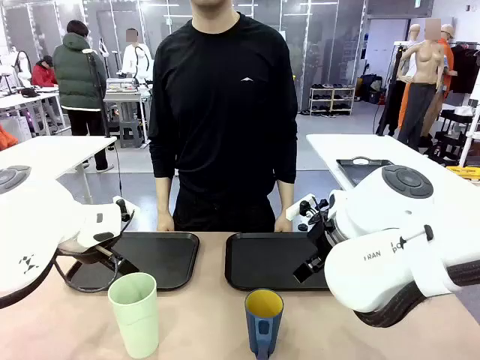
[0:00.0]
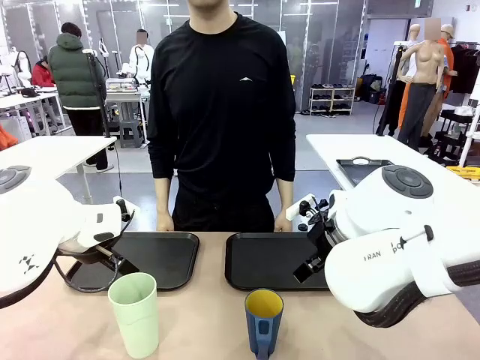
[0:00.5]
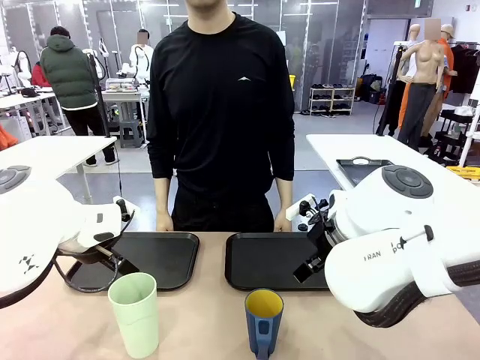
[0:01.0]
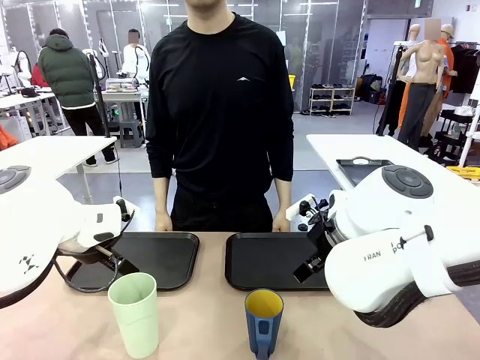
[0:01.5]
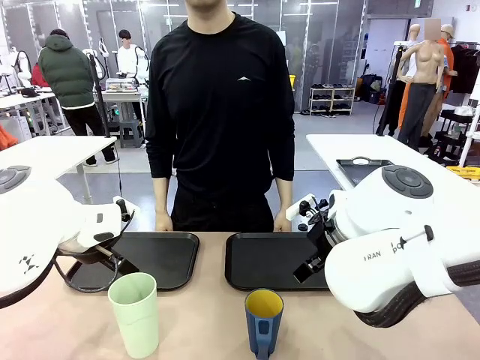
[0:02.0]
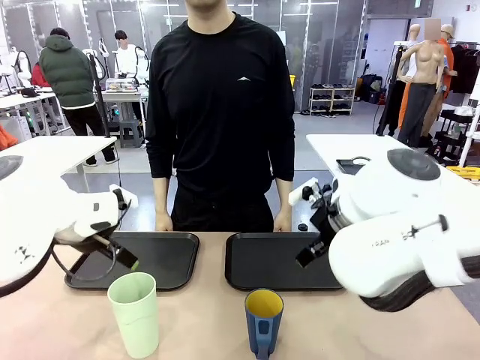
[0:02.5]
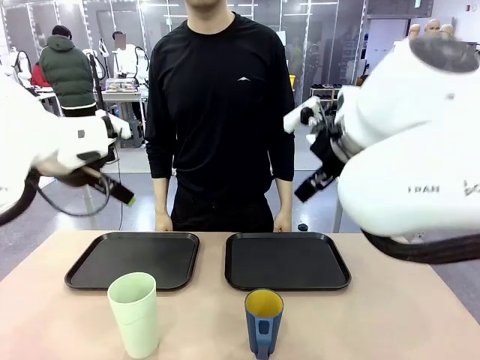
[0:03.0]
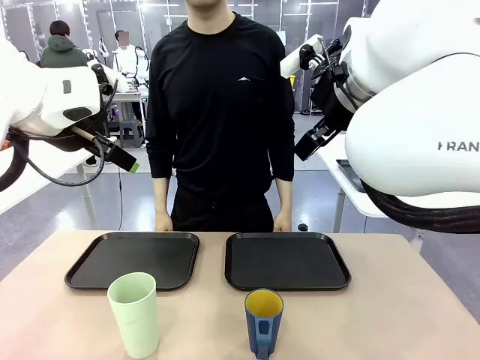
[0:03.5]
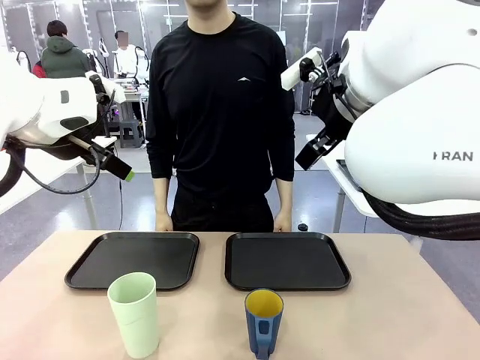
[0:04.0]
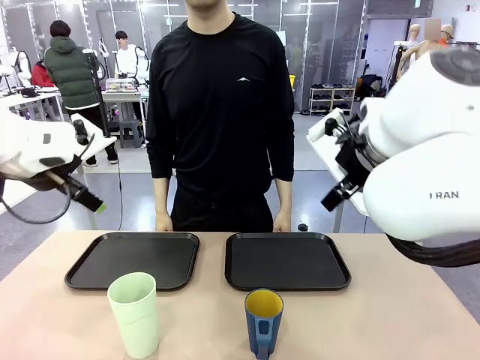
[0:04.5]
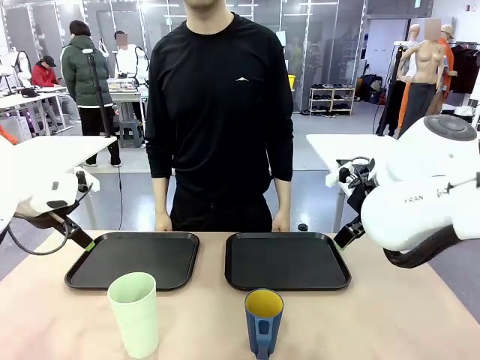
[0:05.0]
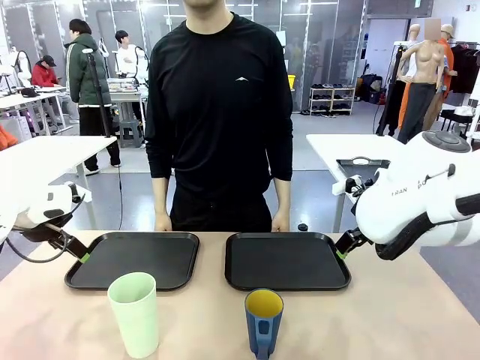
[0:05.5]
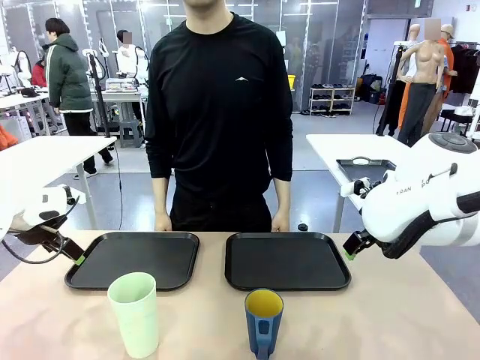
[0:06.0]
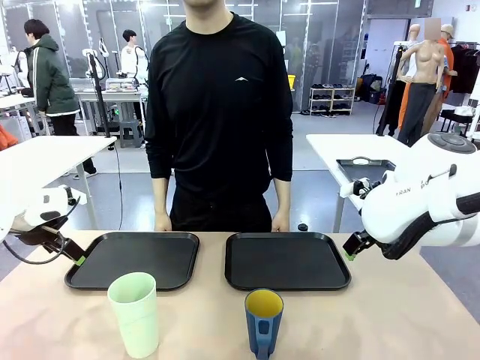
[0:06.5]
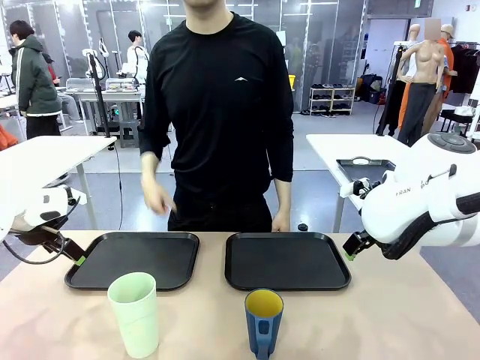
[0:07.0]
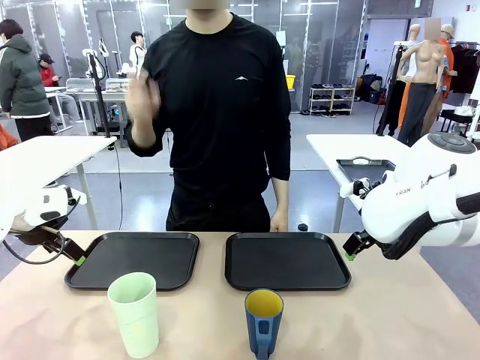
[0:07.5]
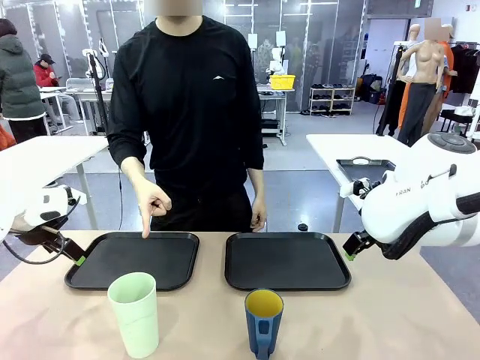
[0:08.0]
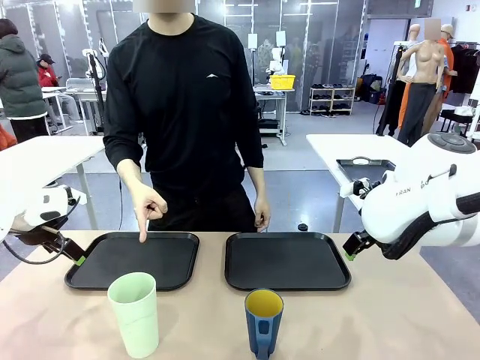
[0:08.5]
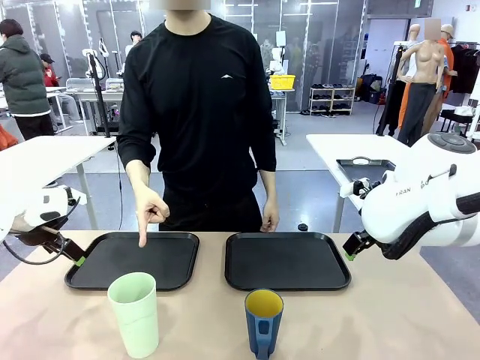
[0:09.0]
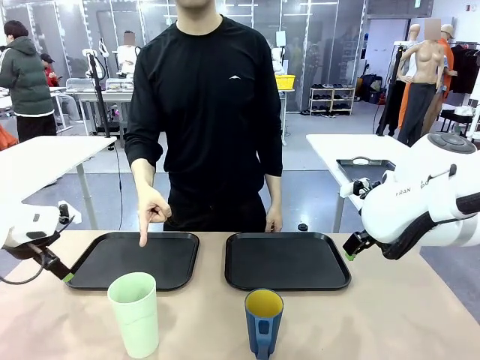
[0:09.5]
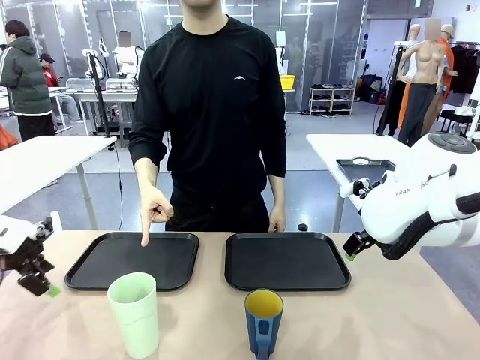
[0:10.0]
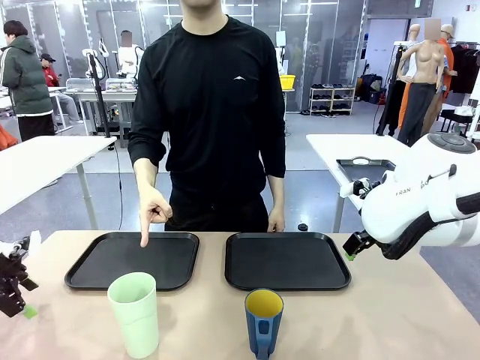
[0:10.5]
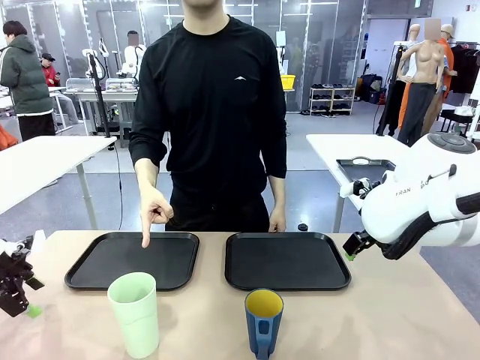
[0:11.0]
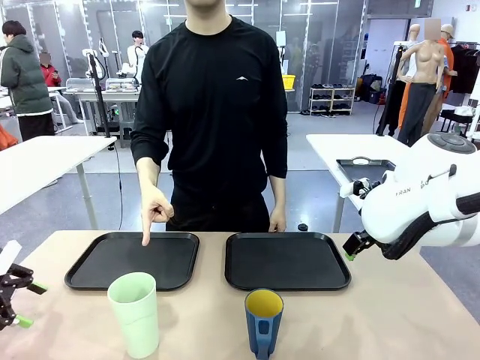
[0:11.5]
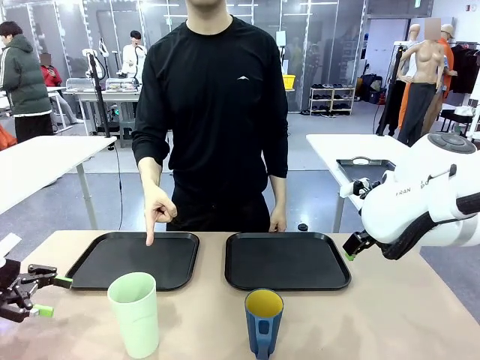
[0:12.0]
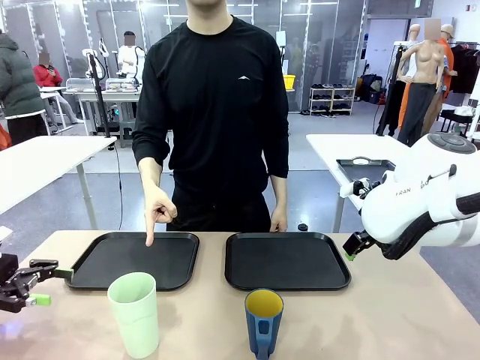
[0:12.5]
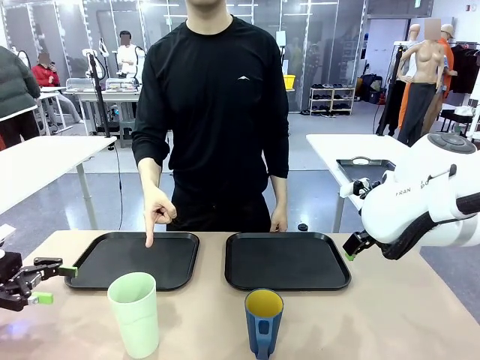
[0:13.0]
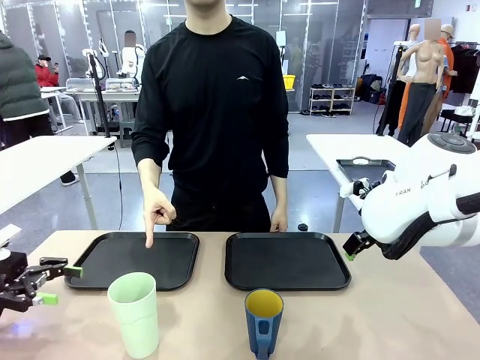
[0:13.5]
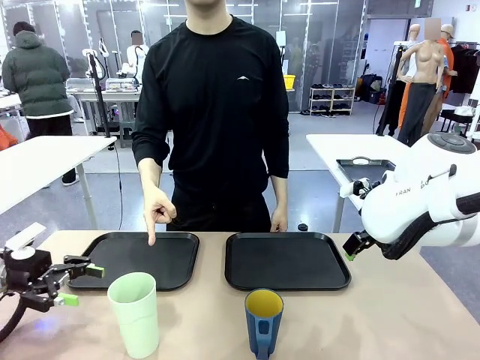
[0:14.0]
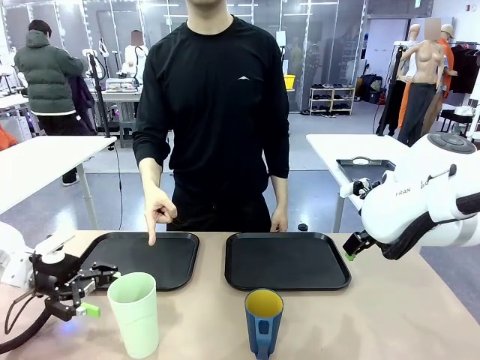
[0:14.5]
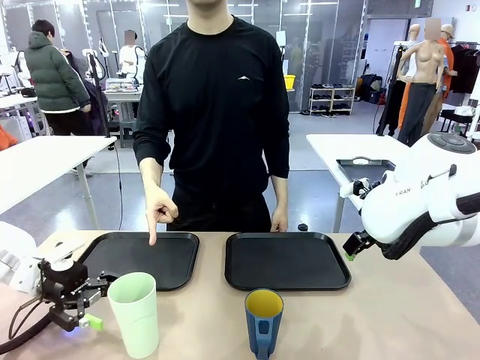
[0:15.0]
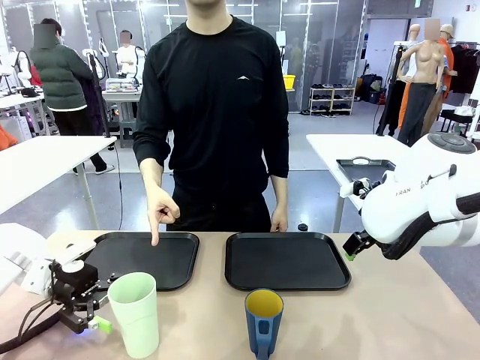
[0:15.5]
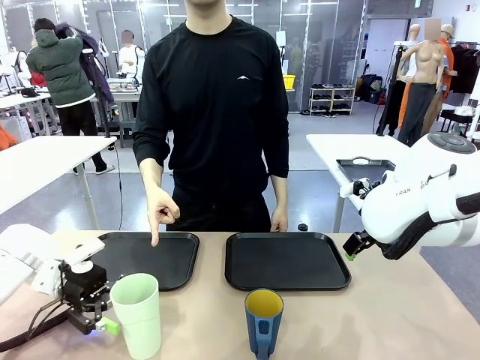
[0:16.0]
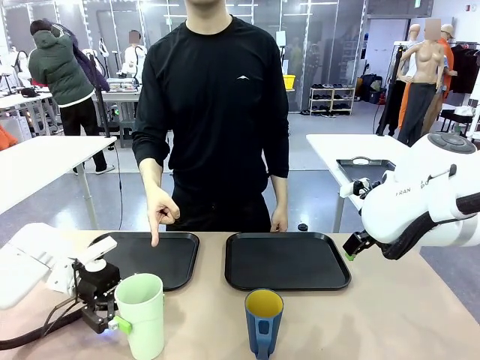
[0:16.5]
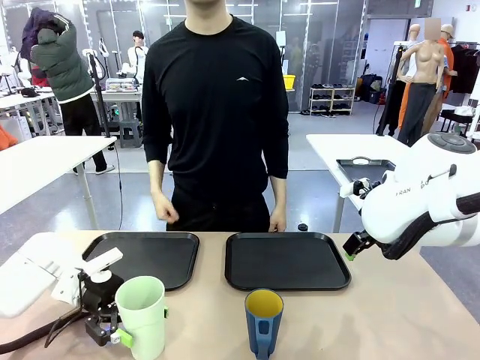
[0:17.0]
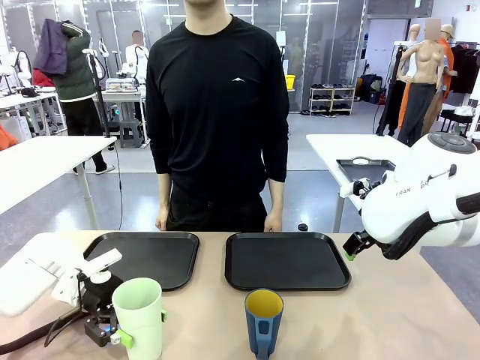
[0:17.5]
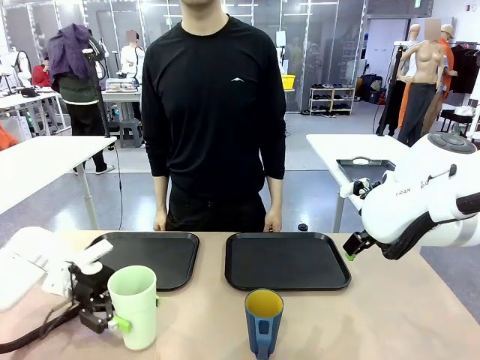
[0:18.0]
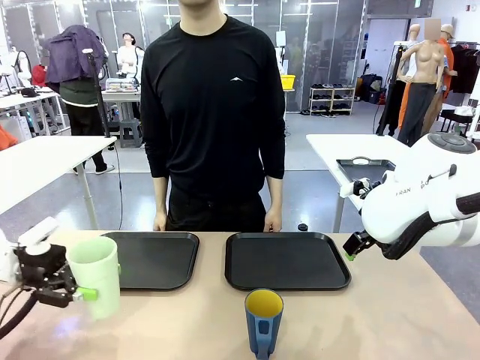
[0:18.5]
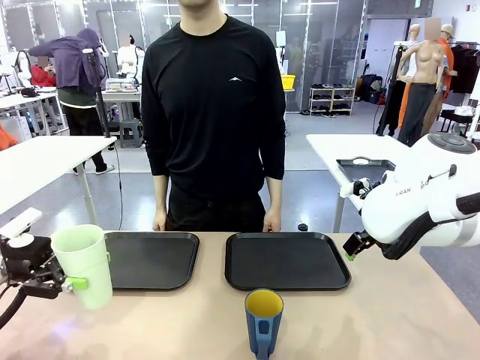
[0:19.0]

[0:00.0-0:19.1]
Task: Sort and store the cups by type.
Robot: Pick up the Reusable plastic cup.
Person: Points to the reusable cup. Point to one of the two trays.

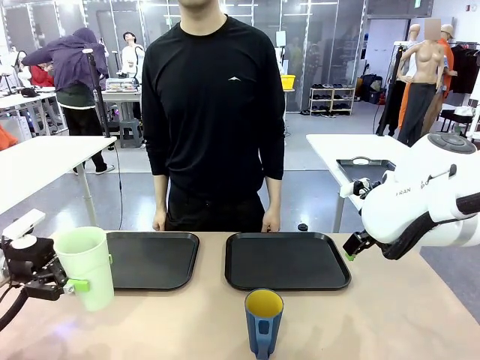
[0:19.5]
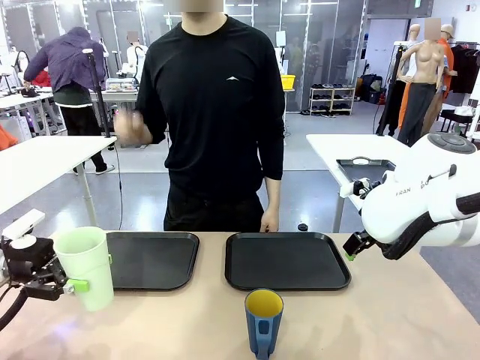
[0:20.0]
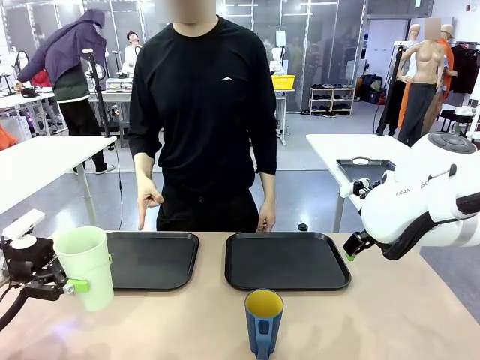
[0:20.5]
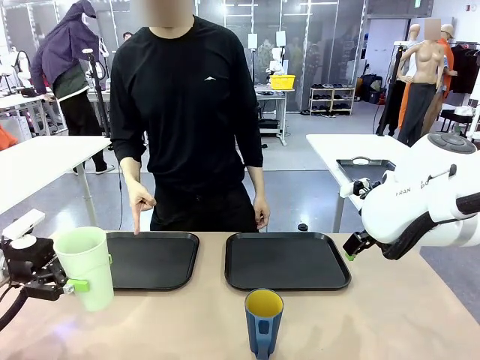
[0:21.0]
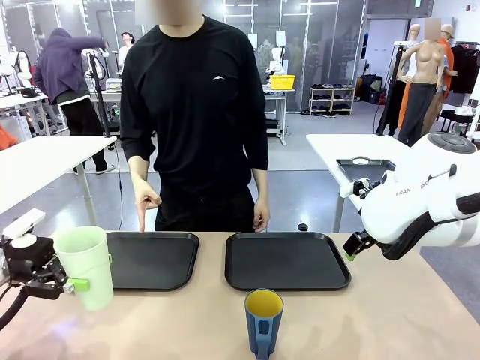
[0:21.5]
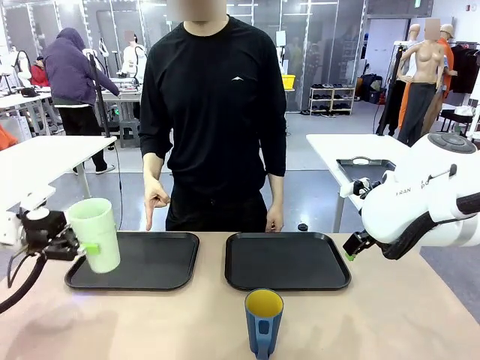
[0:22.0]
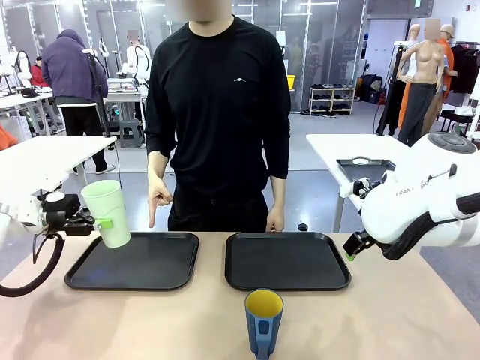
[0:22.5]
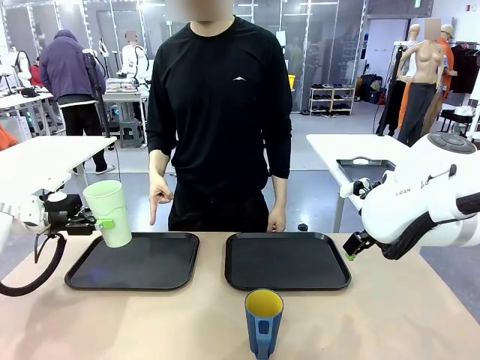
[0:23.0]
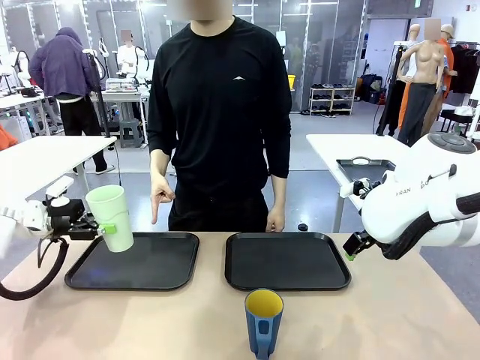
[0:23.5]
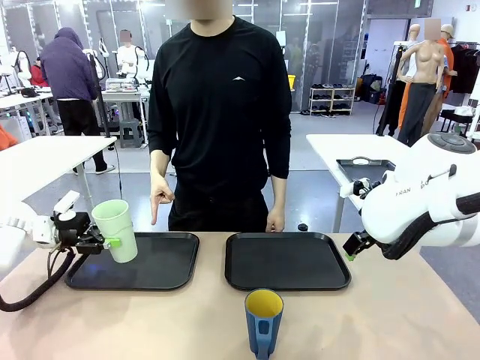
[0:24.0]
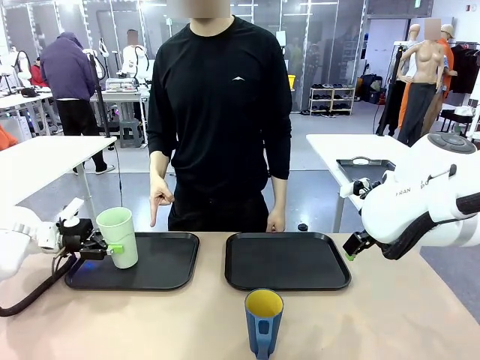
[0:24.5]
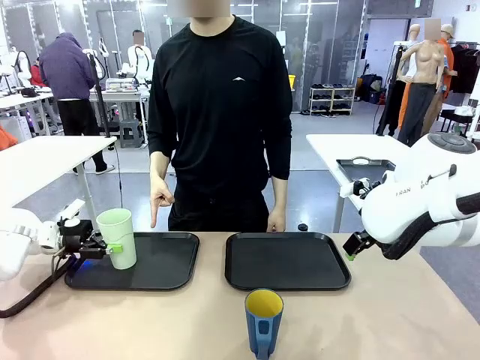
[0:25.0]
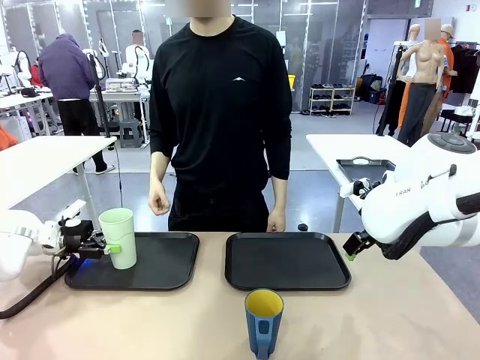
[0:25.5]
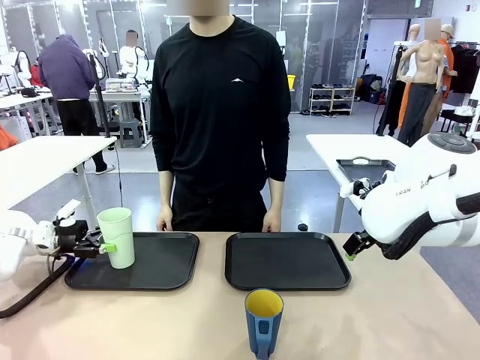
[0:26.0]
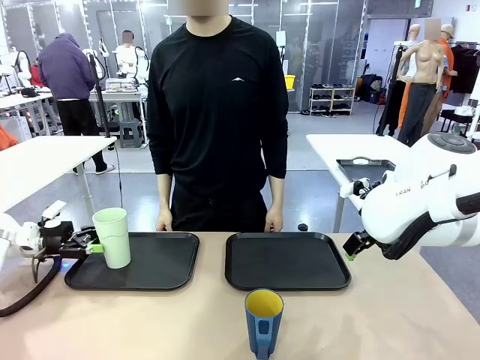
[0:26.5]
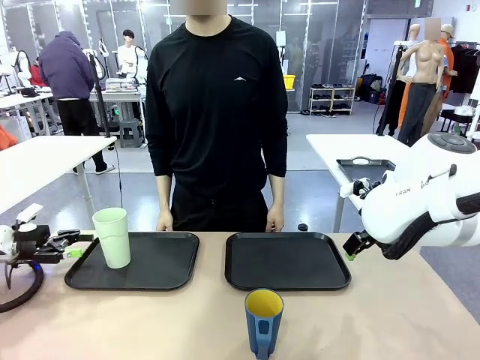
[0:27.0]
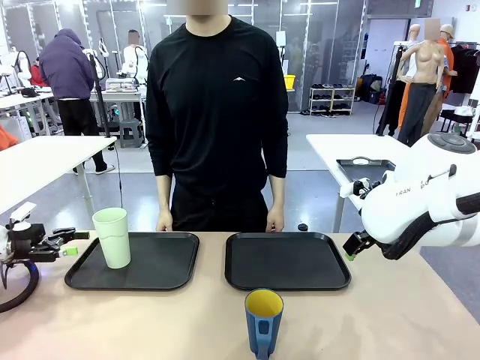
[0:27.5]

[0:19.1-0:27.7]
Robot: Place the picked Reusable plastic cup into the Flat Tray indicated by the person.
